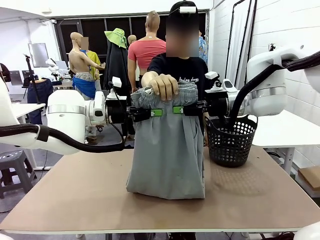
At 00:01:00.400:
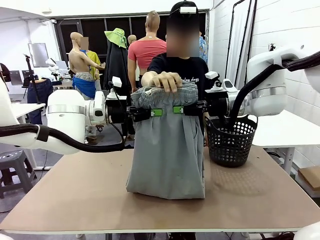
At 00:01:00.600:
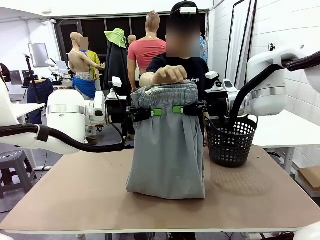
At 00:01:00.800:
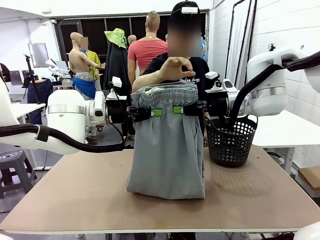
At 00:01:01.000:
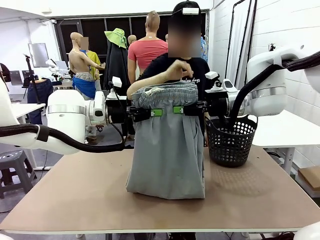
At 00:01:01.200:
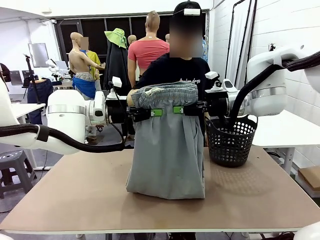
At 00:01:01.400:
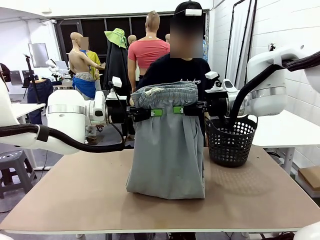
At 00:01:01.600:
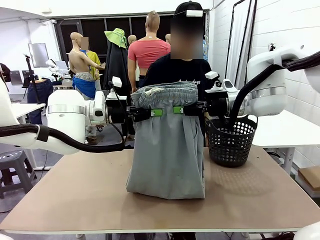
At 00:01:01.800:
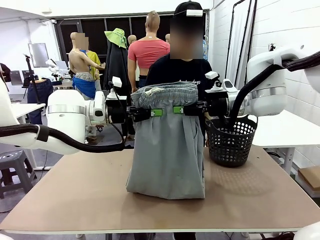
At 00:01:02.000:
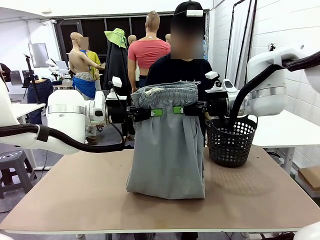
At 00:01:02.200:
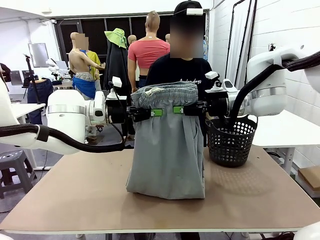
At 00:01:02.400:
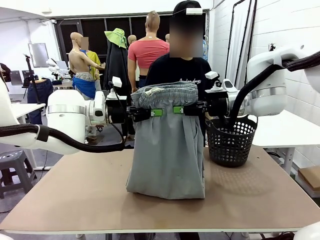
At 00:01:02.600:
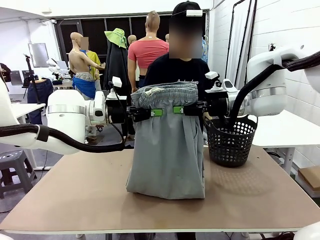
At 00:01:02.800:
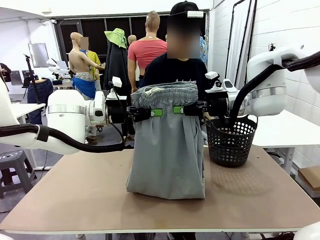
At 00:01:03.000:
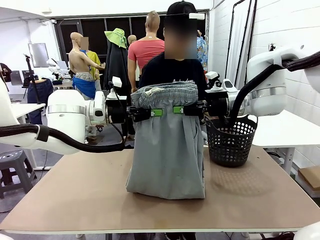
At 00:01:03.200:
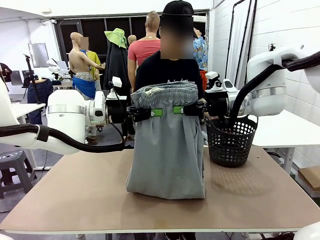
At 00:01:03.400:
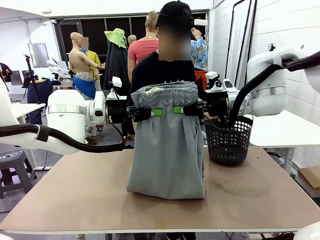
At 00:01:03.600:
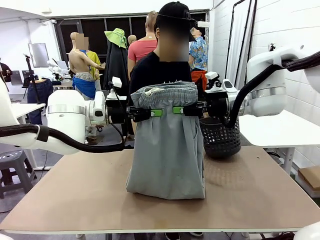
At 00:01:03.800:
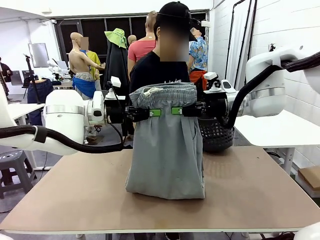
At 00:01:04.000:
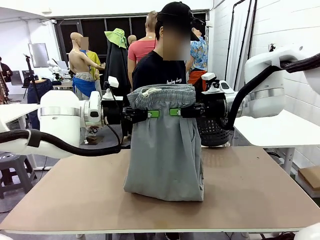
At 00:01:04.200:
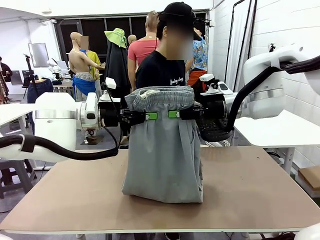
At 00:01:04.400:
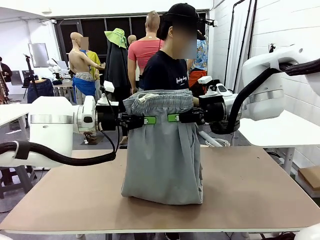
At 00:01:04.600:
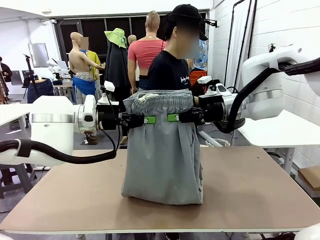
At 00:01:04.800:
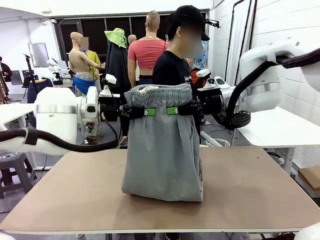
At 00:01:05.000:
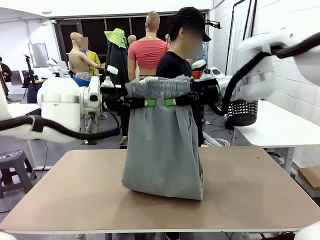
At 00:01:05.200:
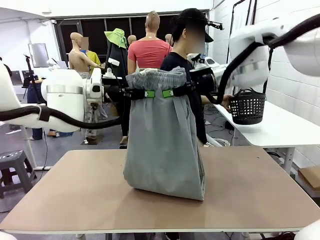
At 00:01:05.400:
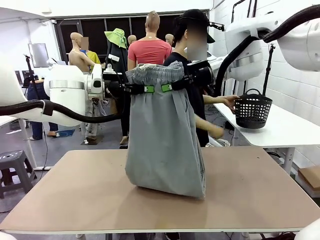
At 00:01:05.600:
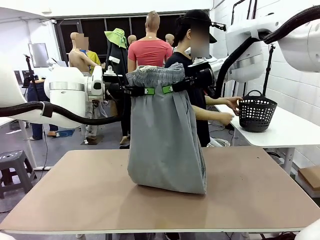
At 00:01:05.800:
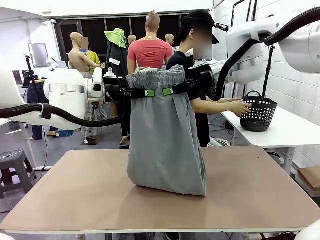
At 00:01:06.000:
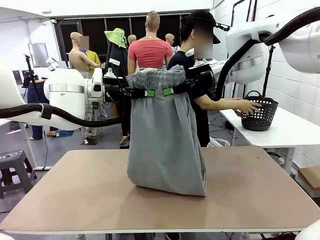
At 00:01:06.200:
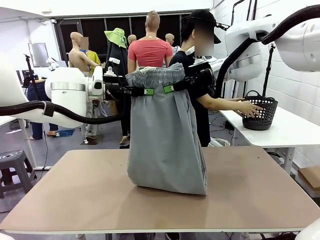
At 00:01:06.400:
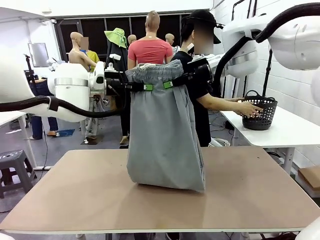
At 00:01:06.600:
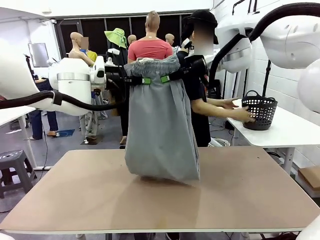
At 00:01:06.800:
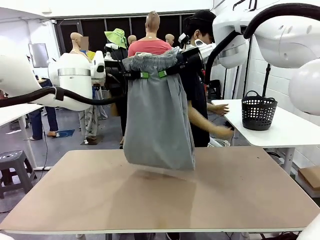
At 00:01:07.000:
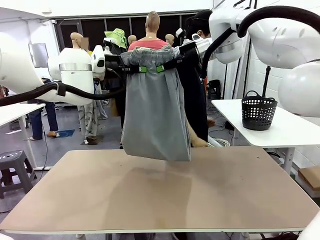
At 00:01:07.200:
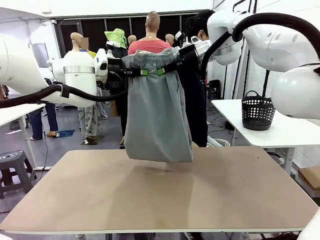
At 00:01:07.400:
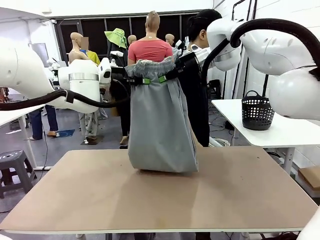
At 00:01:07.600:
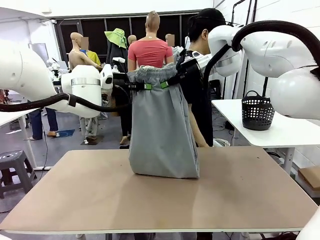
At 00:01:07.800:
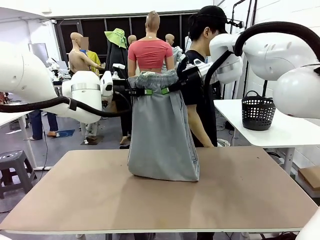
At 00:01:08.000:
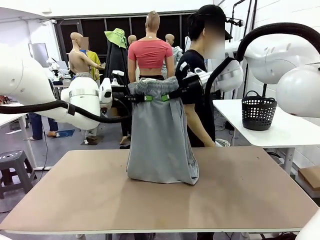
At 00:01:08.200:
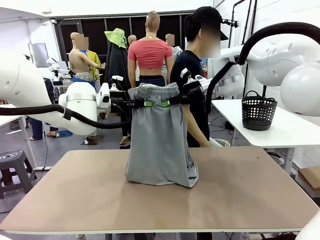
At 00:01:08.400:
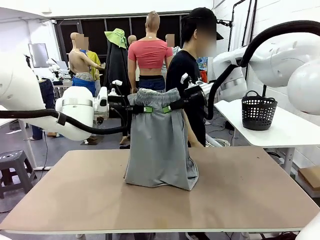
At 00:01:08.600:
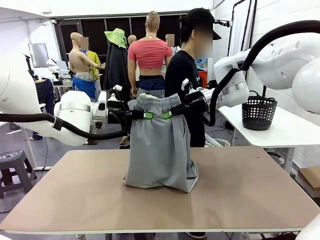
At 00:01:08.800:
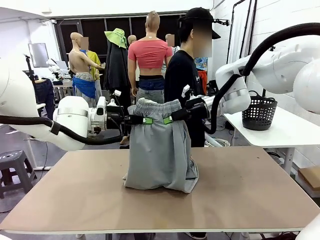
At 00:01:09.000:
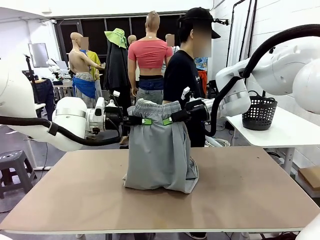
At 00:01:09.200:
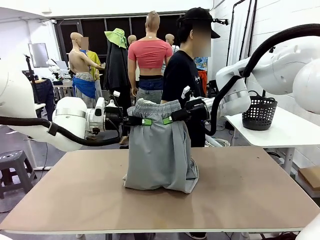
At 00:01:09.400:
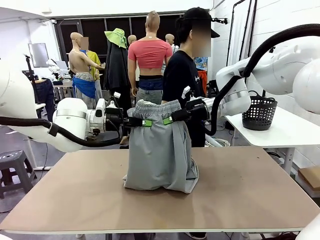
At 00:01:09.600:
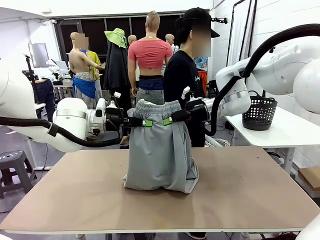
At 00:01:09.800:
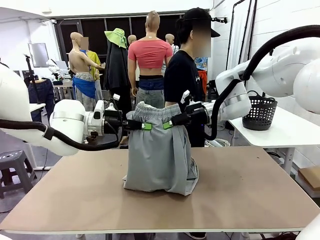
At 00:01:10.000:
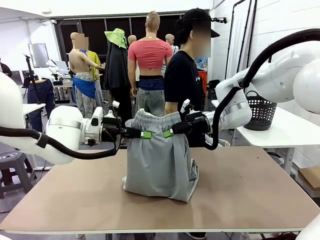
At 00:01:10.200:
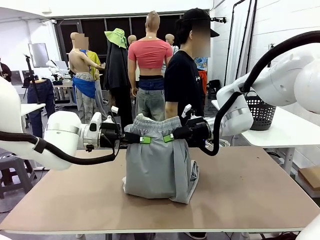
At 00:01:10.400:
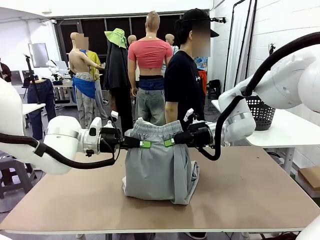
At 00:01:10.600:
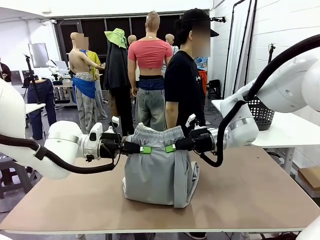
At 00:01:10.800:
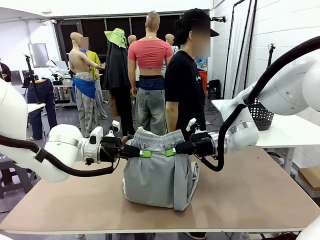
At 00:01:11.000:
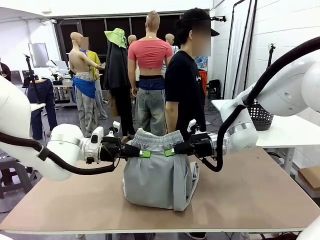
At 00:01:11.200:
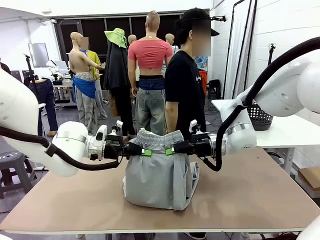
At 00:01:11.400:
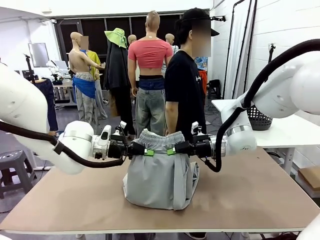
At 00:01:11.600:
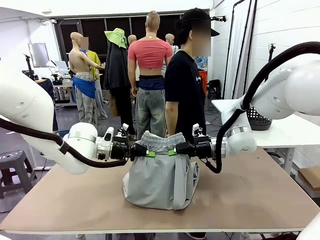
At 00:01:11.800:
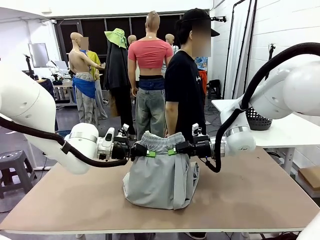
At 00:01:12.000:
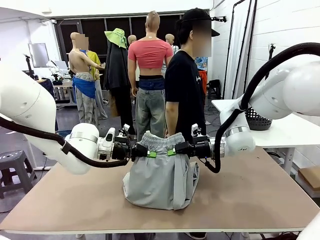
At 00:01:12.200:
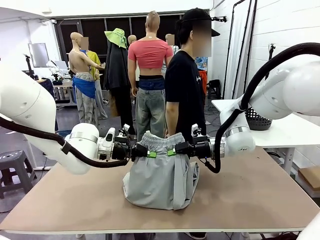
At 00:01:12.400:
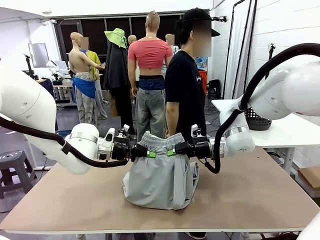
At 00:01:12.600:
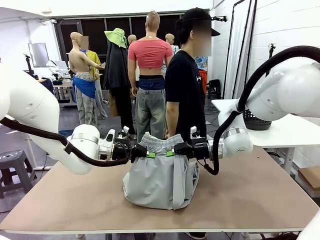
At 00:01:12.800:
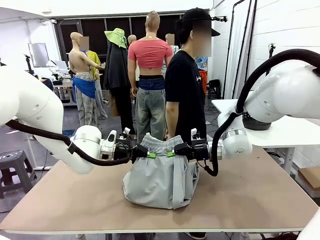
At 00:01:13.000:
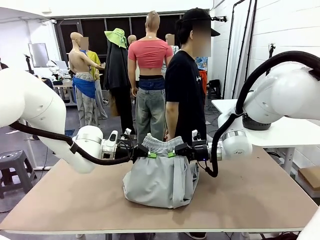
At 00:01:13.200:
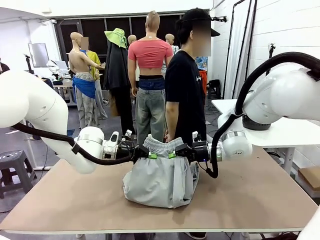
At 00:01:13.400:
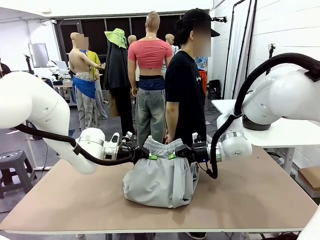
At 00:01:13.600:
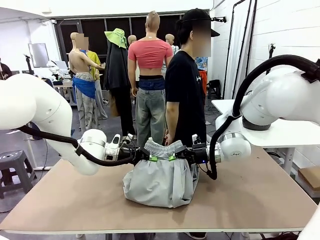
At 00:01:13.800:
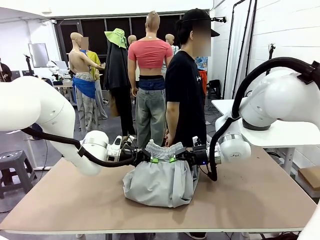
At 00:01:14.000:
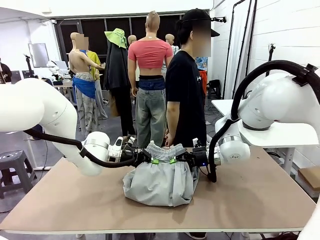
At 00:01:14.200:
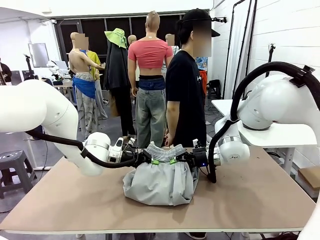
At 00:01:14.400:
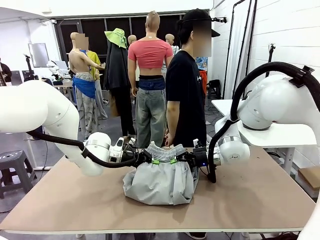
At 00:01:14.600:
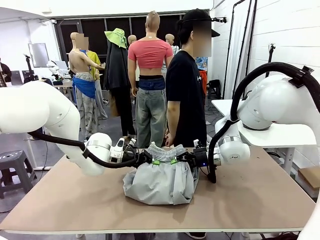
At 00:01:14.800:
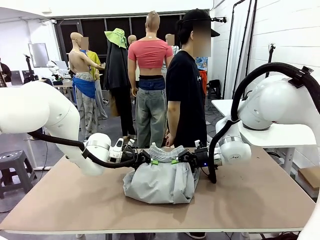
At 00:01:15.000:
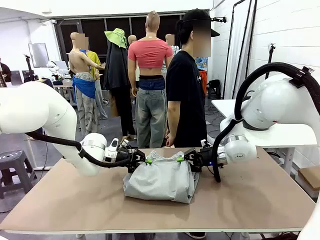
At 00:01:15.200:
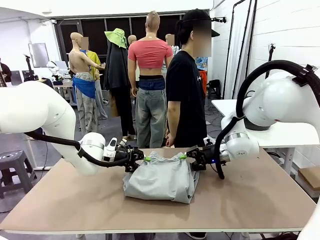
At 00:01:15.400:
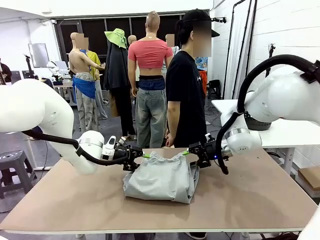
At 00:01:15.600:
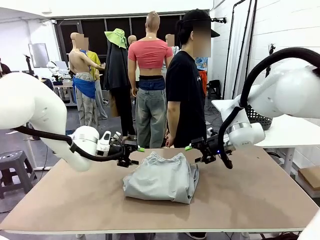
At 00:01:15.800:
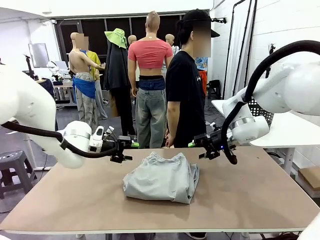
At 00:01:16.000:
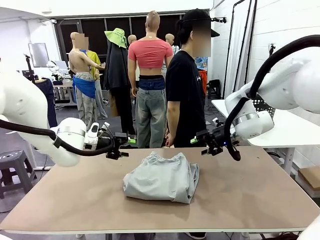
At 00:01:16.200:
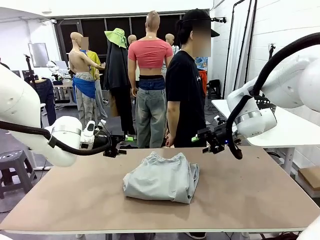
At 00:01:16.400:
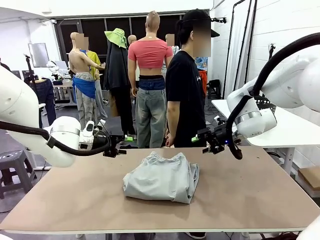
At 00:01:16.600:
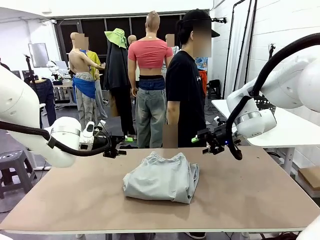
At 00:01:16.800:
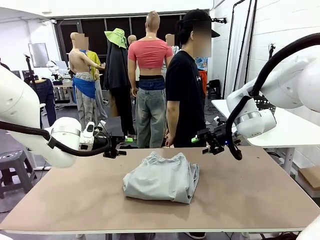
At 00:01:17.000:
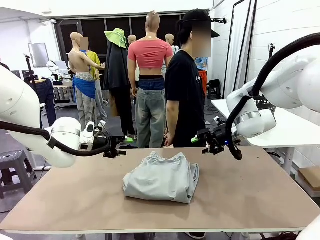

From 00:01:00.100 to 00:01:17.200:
Task: Fold the training pants.
Robot: Fold the Training pants in half.
Person: Move the laundry basket to the right of the human table.

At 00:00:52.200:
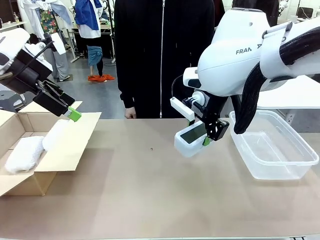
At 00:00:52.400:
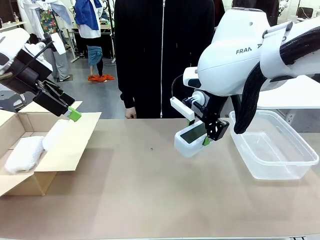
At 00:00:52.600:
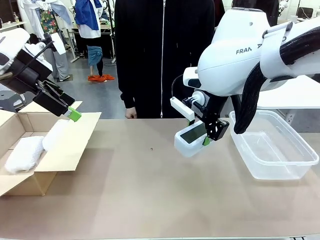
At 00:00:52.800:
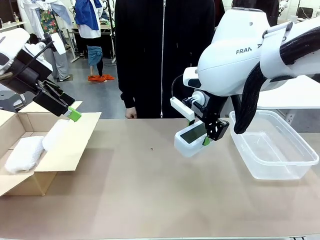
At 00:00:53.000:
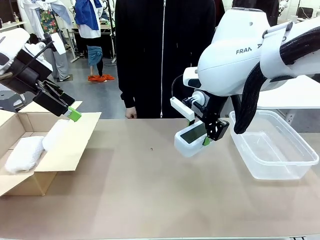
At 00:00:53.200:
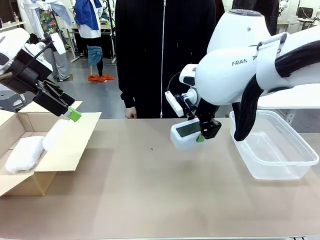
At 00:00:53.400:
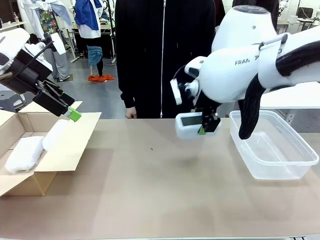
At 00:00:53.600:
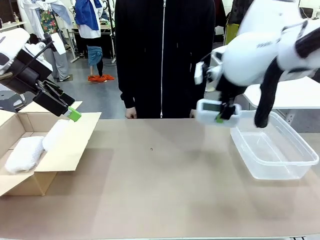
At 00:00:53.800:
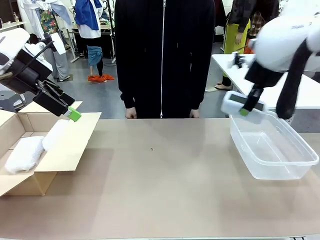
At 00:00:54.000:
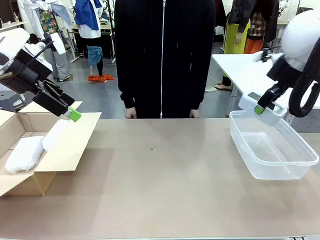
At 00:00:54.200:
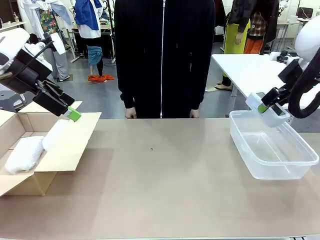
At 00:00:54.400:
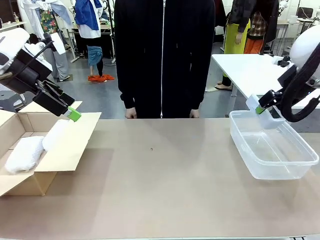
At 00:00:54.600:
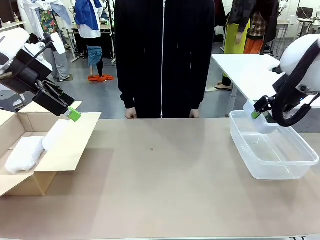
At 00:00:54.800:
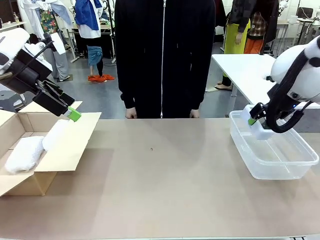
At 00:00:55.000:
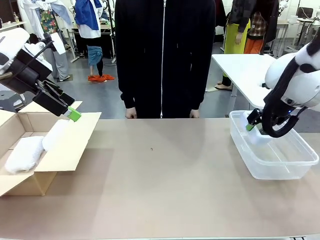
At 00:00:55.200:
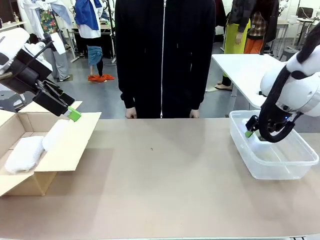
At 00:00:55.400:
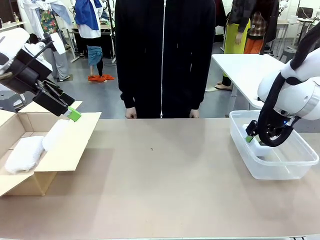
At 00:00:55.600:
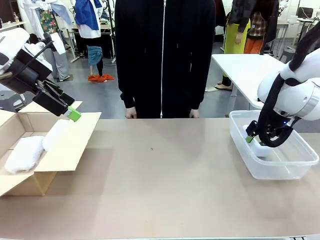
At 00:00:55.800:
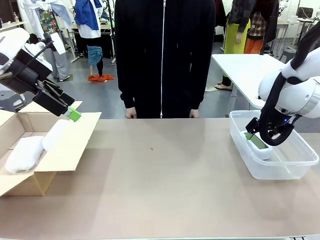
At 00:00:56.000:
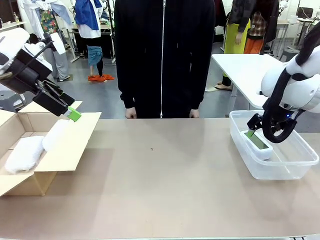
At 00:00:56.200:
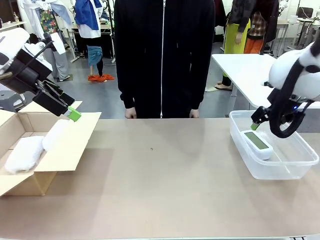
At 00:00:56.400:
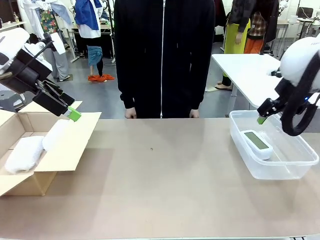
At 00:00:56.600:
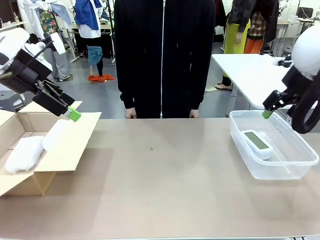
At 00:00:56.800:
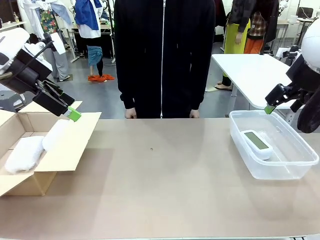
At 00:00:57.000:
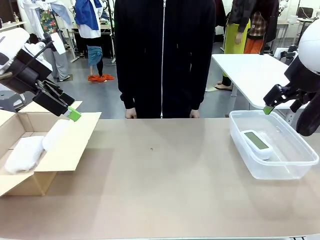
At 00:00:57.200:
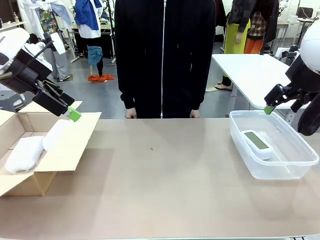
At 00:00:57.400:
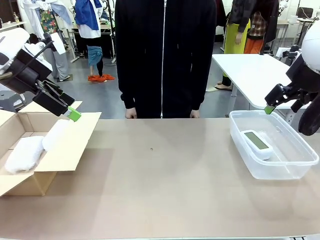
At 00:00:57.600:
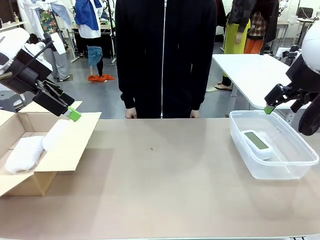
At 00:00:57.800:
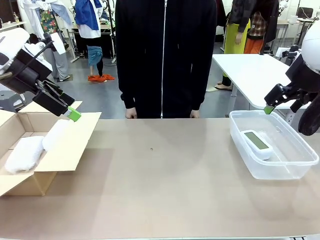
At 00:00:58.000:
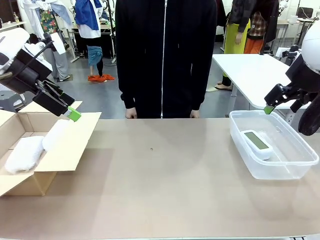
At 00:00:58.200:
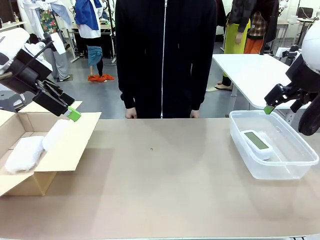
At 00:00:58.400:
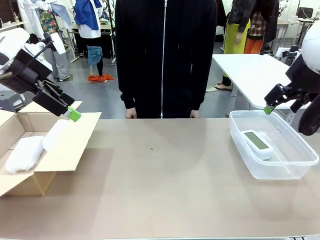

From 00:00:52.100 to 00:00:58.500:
Task: Separate and place wrapped and unwrapped clocks.
Robot: If the picked Digital clock is wrapped, place it in the Package Box ; if not, place it in the Organizing box.
